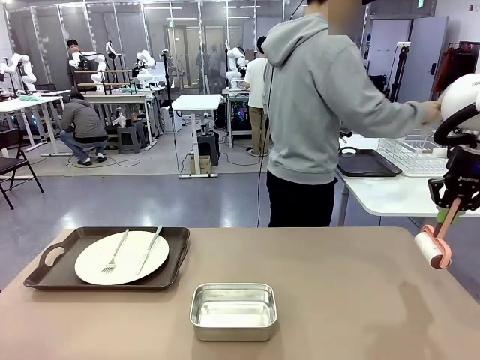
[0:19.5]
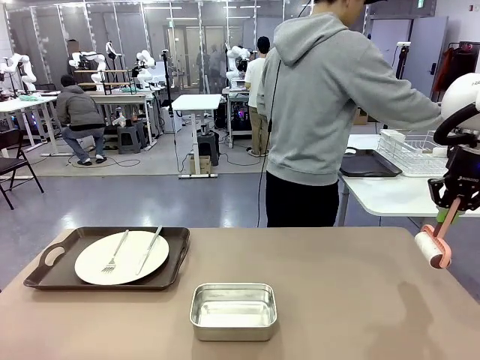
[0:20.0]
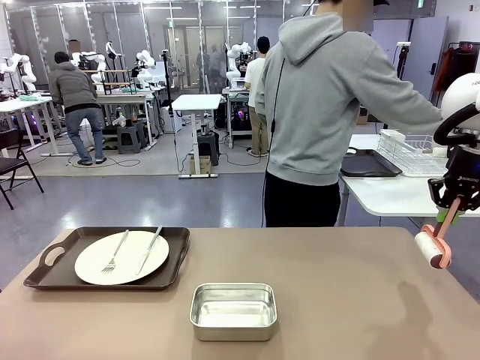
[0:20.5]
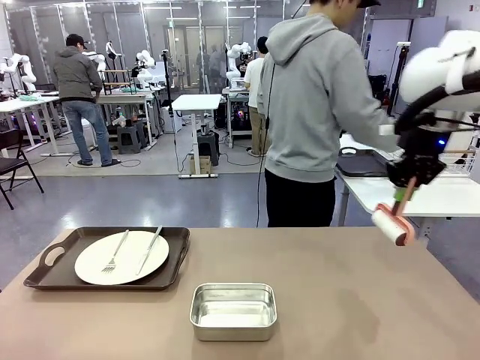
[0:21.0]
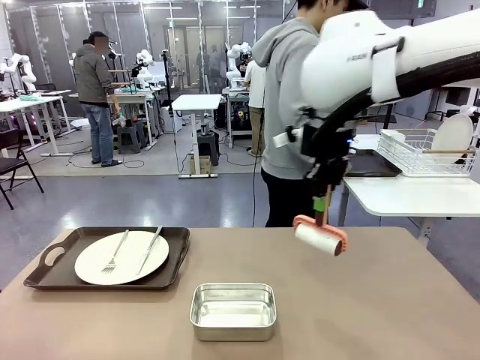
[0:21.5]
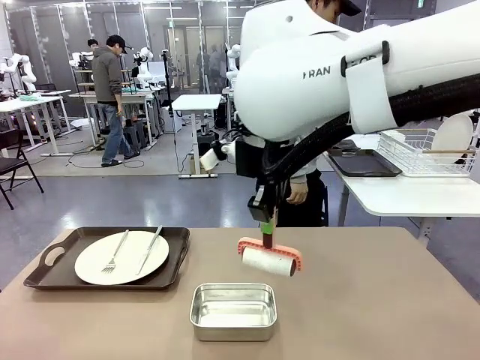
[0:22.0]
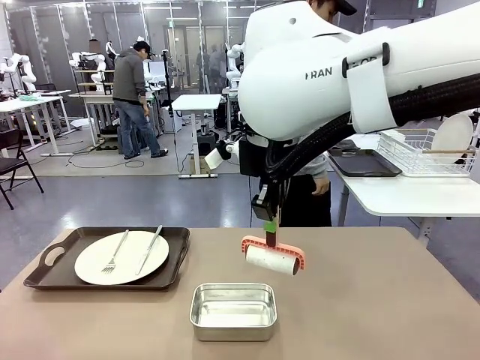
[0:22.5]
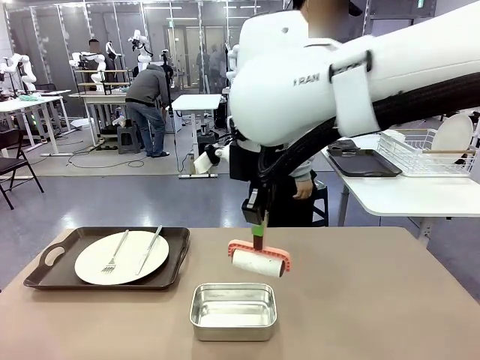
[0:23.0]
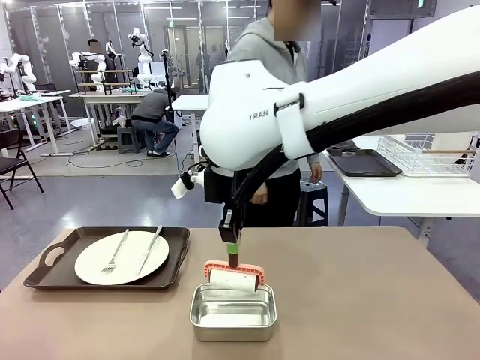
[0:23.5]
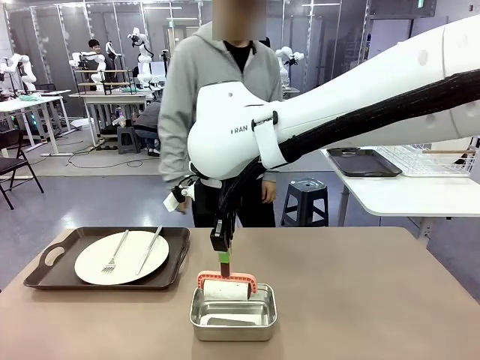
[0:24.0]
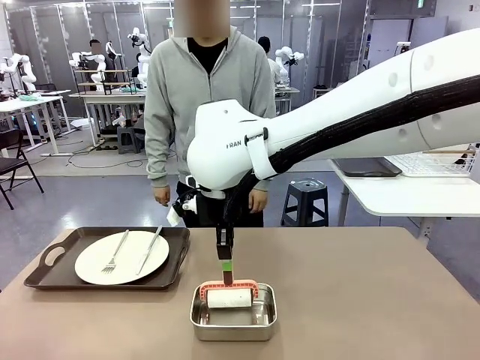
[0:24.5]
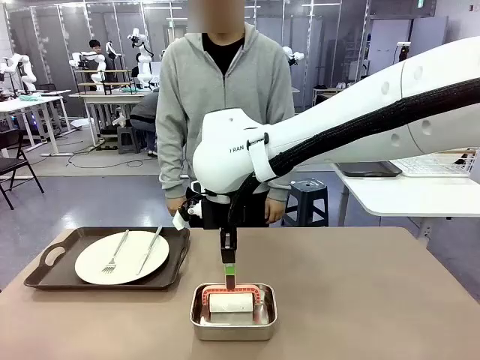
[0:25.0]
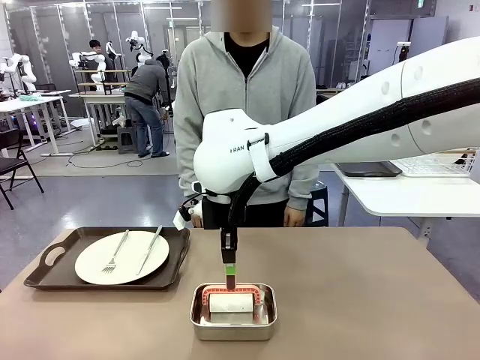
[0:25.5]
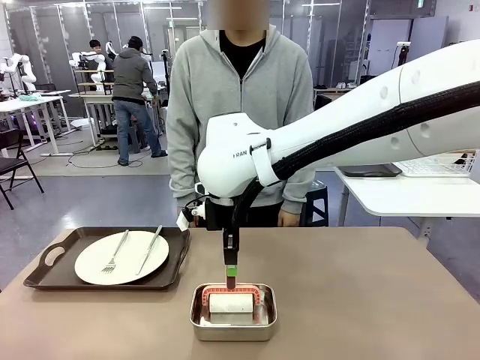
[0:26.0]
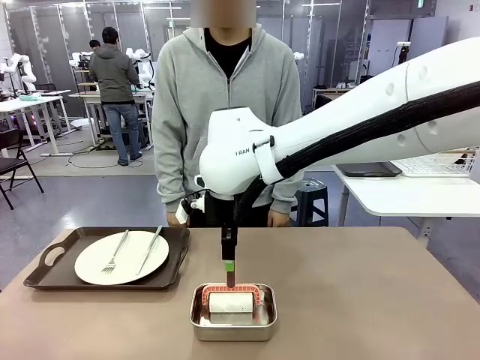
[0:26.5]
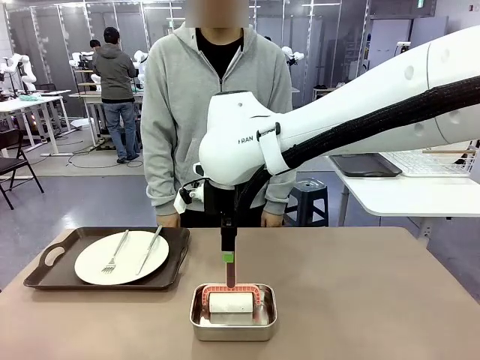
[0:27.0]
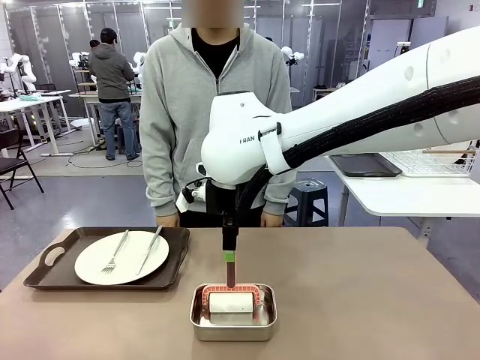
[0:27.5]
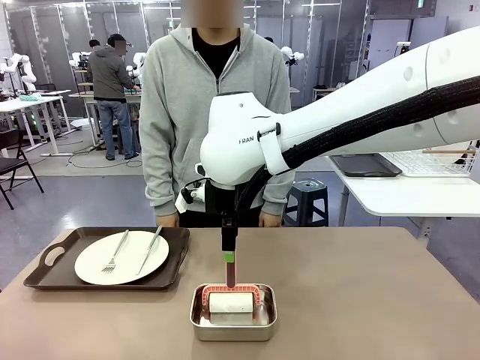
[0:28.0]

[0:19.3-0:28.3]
Robot: Place the Lint Roller back on top of the Airtight Container.

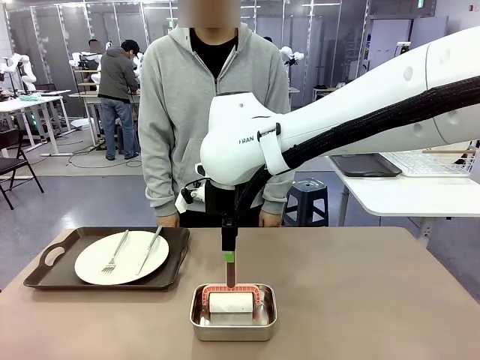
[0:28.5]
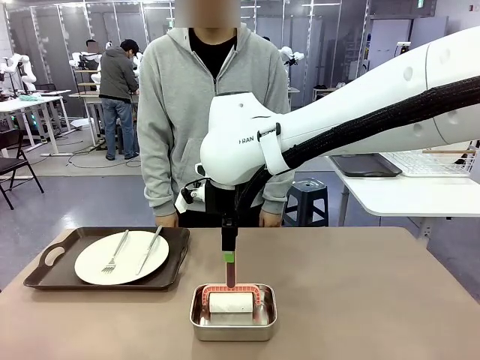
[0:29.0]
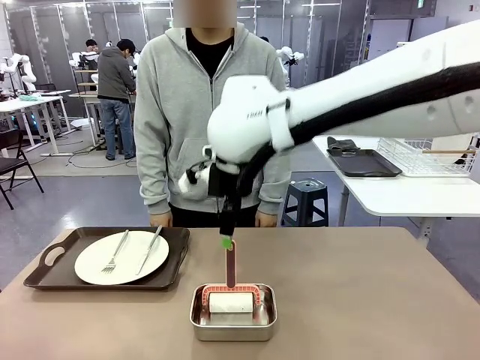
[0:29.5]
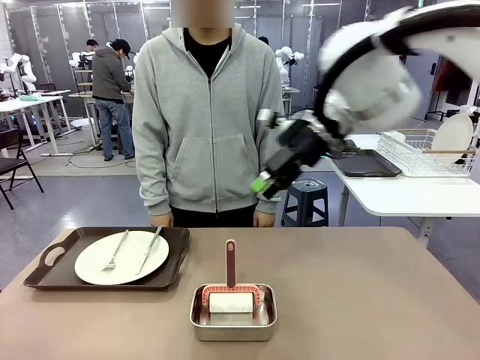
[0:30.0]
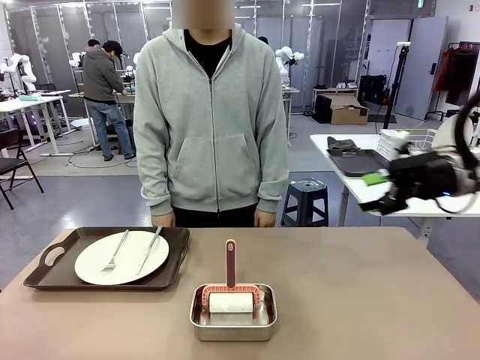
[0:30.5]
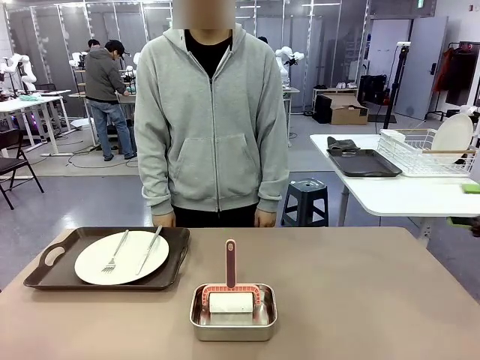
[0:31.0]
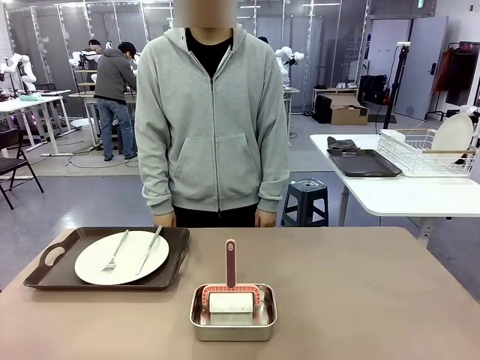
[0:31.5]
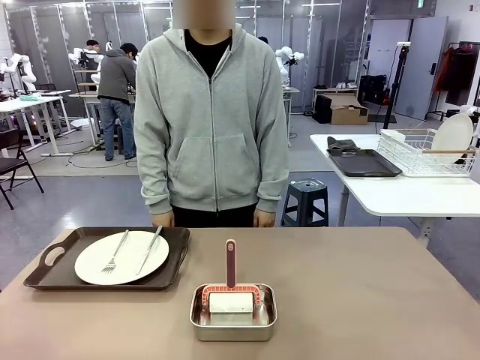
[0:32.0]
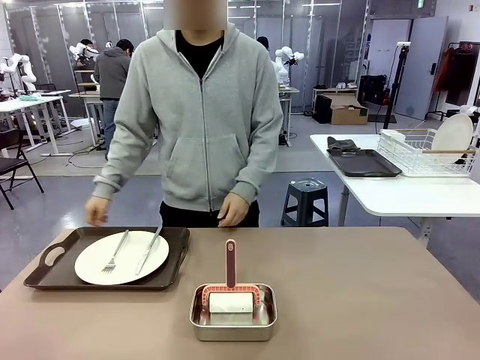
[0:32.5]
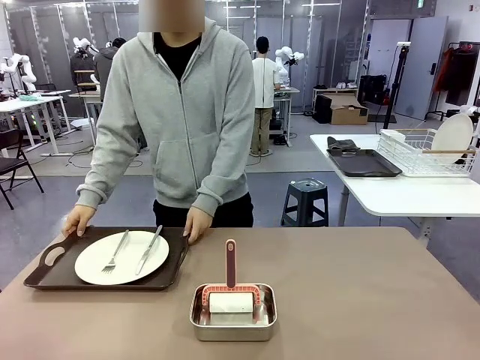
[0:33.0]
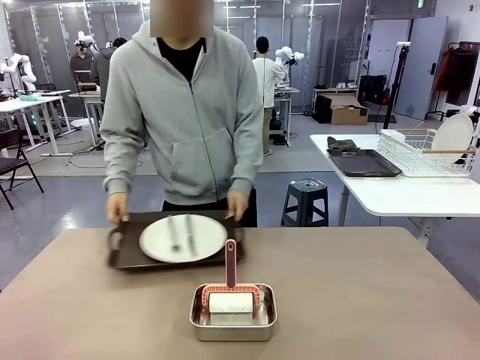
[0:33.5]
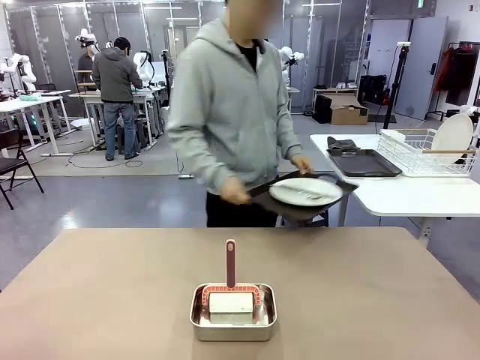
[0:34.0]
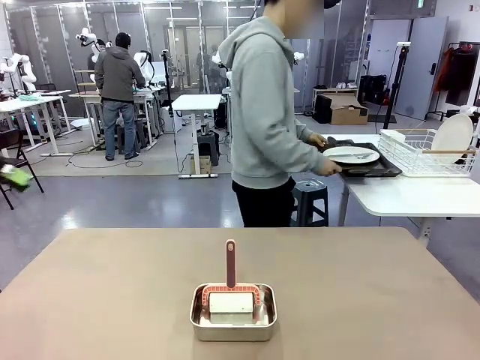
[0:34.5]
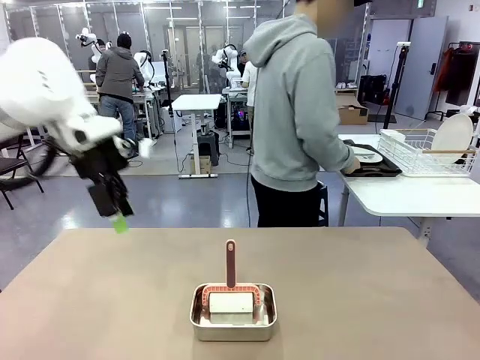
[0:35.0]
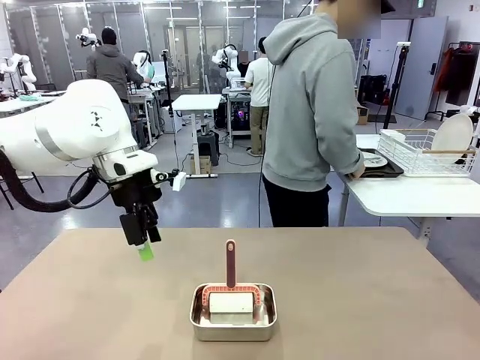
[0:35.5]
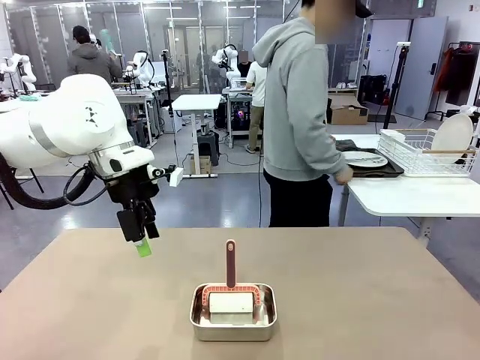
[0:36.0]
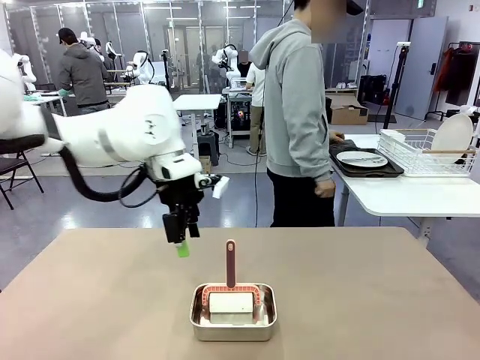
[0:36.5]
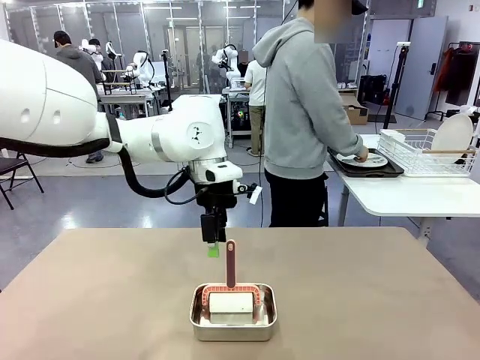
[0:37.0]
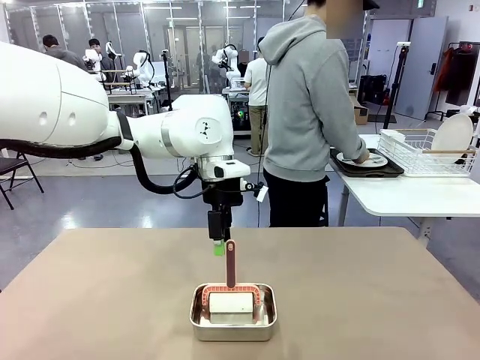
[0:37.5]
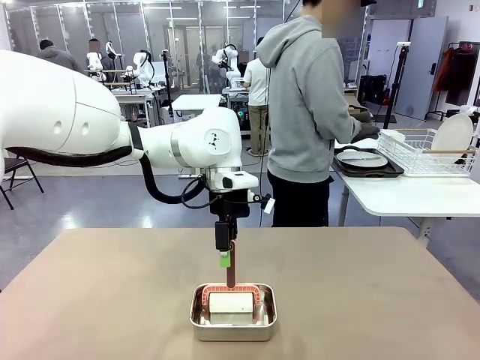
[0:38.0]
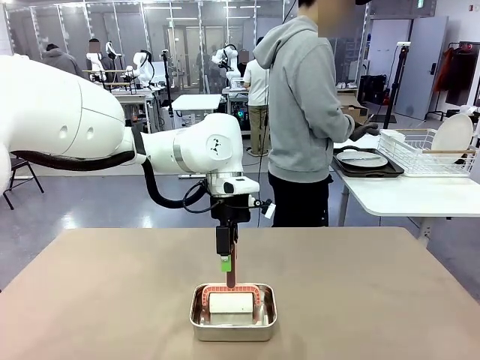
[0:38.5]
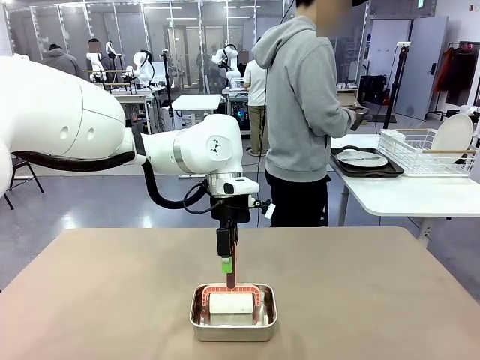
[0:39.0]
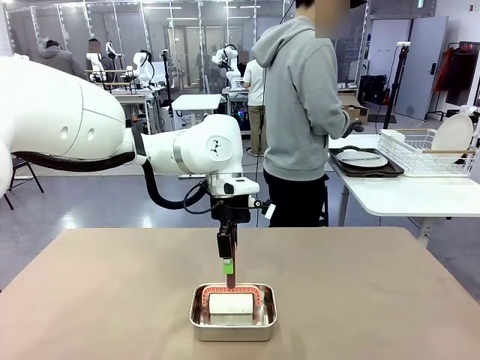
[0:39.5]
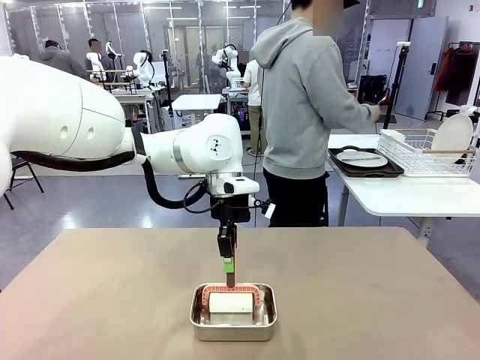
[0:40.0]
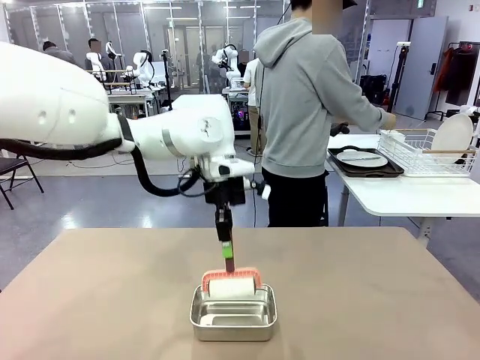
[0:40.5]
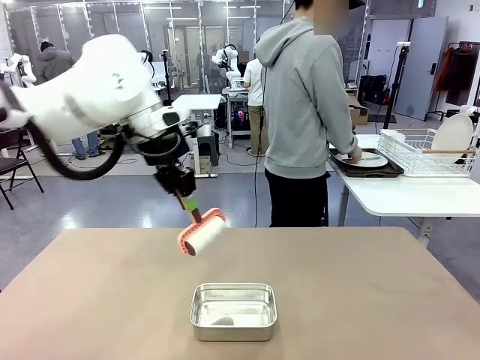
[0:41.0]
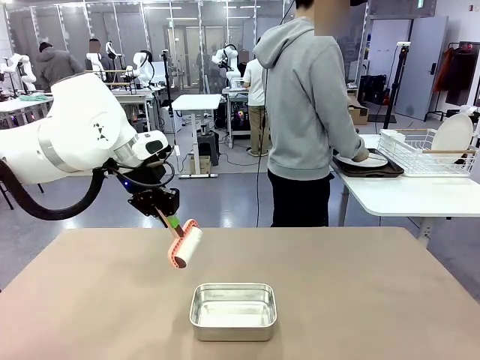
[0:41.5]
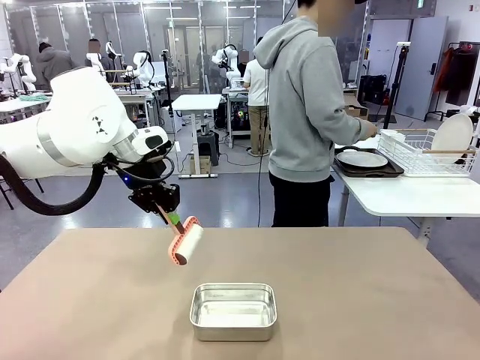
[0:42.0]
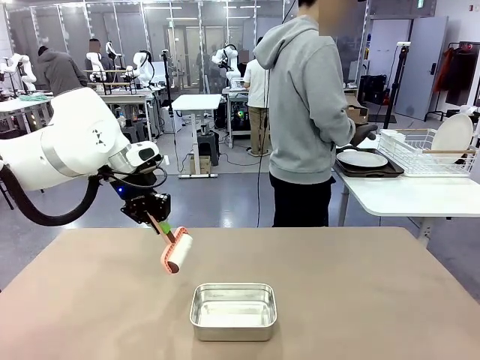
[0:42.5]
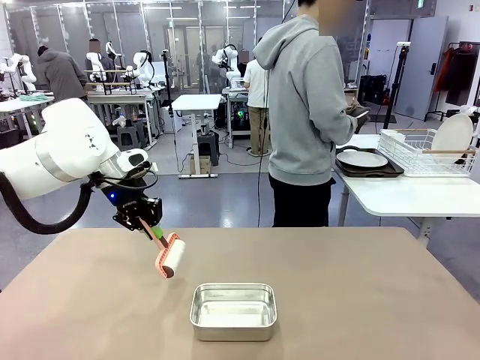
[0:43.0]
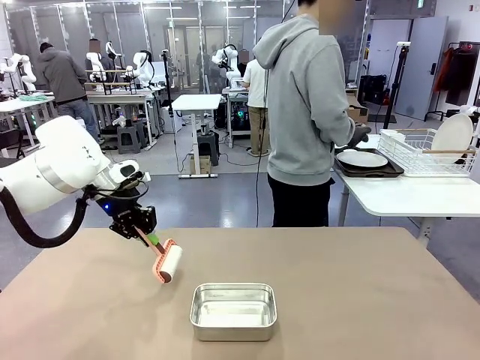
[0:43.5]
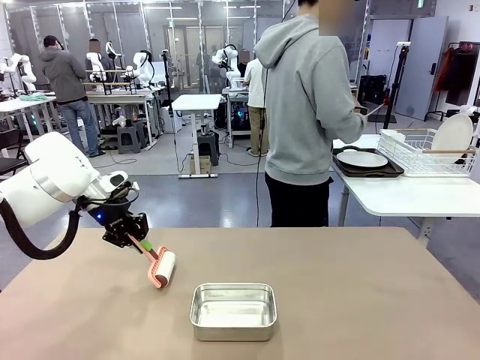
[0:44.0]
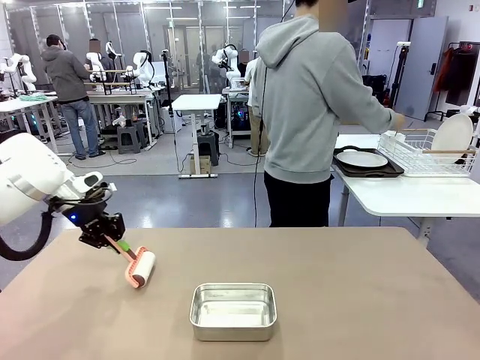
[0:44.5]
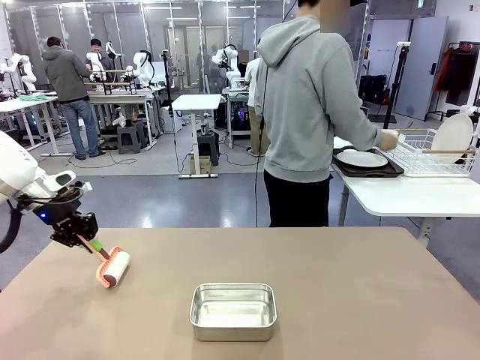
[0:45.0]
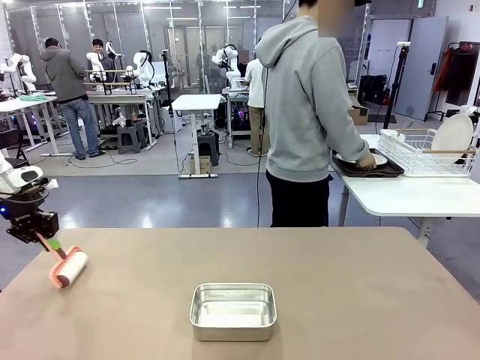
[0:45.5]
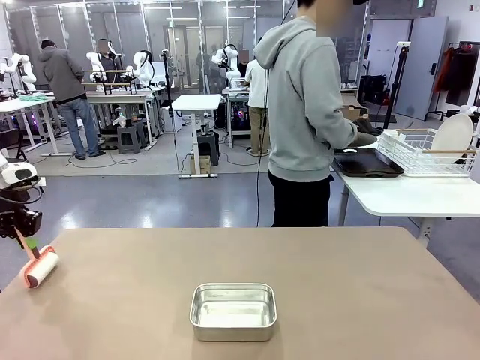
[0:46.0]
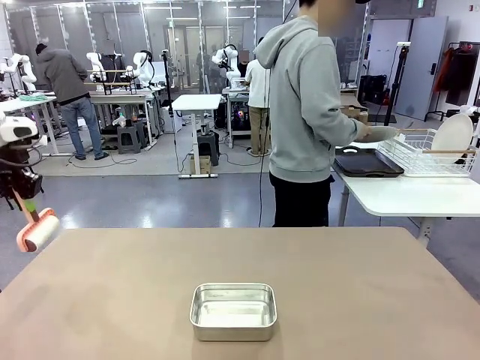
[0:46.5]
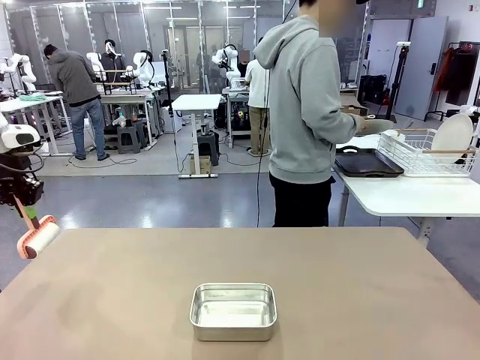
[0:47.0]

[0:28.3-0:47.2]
Robot: When the right (or left) Handle tray is removed, use the right hand (or left hand) to clean the right (or left) side of the table with the Lint Roller.
Person: Pick up the left (or right) Handle tray and place it on the Handle tray.
